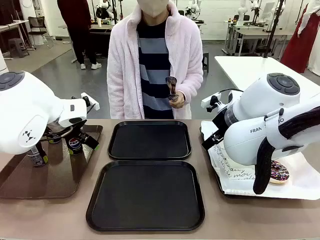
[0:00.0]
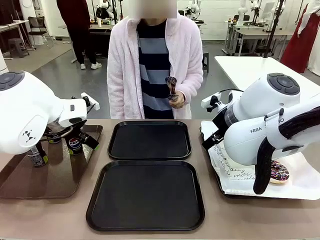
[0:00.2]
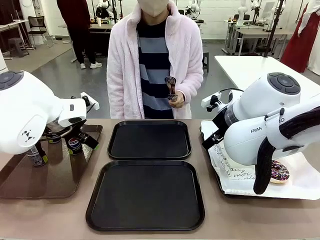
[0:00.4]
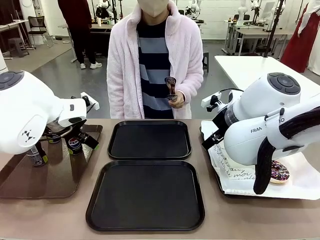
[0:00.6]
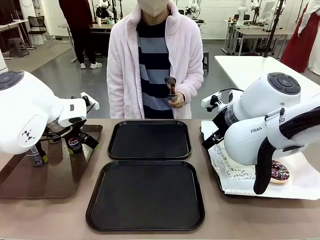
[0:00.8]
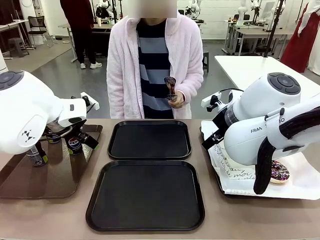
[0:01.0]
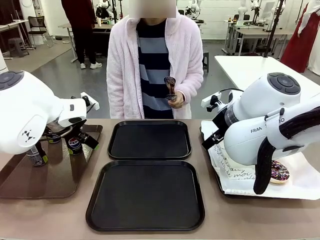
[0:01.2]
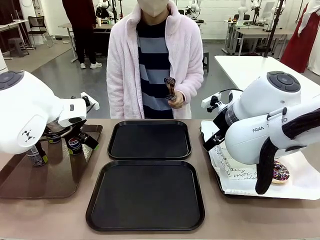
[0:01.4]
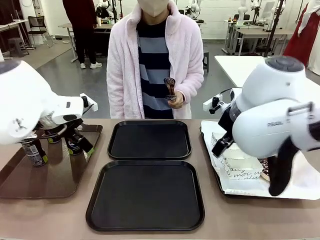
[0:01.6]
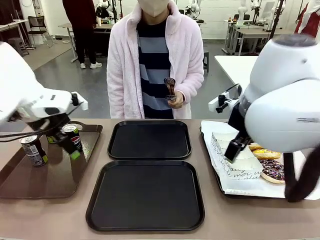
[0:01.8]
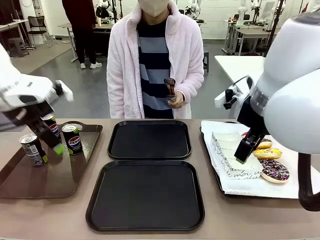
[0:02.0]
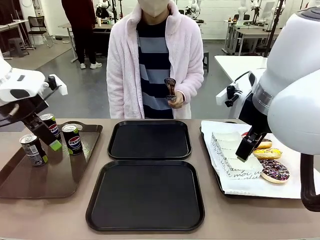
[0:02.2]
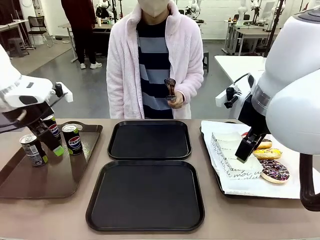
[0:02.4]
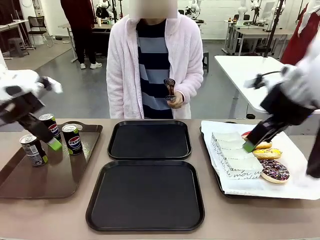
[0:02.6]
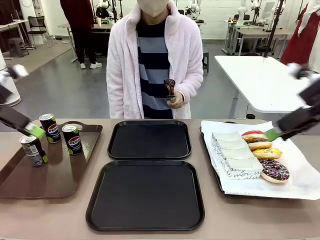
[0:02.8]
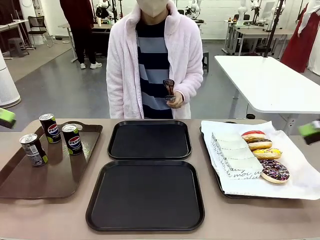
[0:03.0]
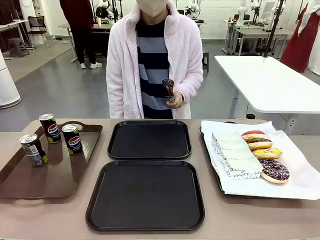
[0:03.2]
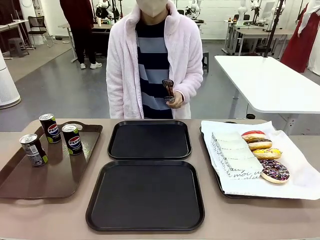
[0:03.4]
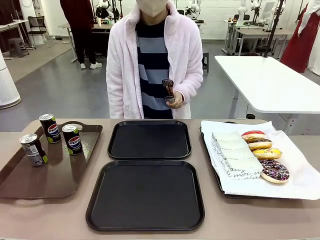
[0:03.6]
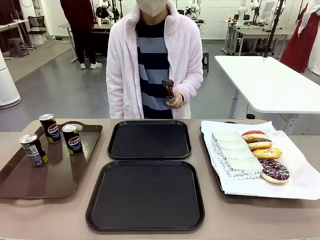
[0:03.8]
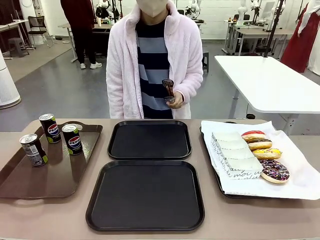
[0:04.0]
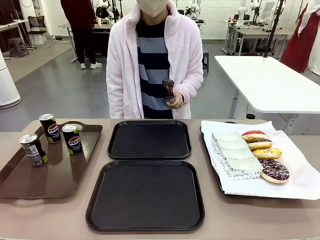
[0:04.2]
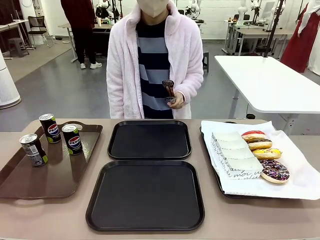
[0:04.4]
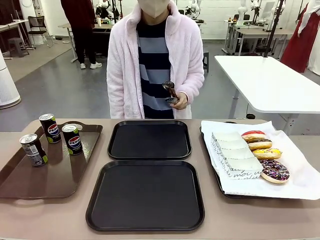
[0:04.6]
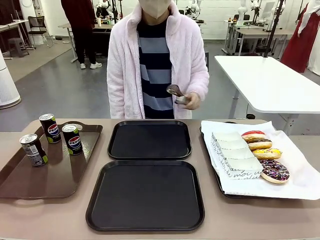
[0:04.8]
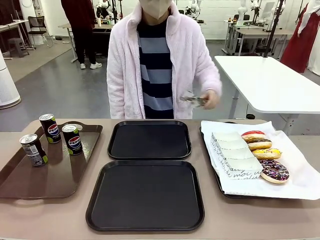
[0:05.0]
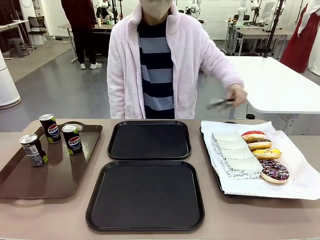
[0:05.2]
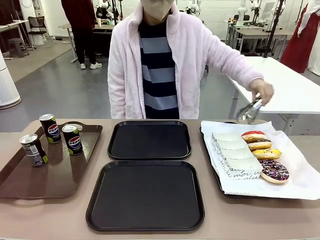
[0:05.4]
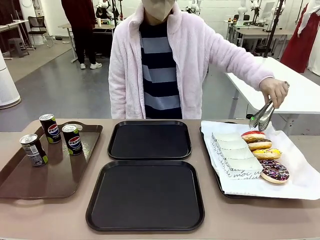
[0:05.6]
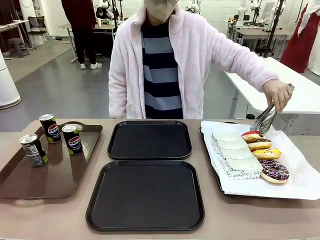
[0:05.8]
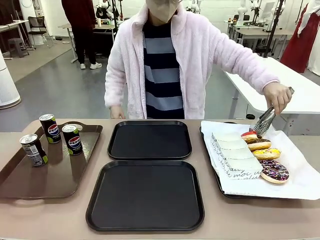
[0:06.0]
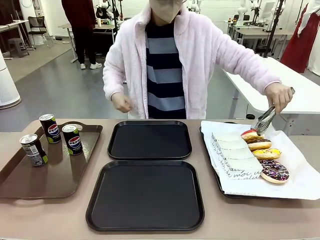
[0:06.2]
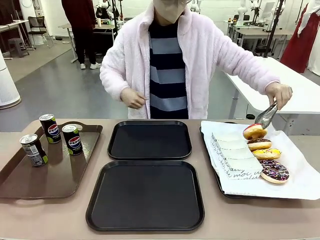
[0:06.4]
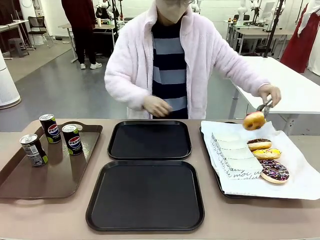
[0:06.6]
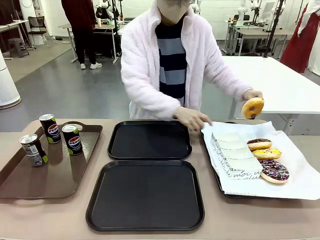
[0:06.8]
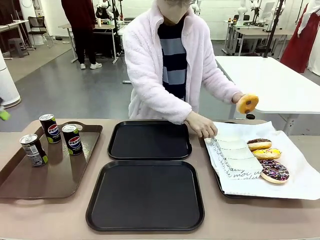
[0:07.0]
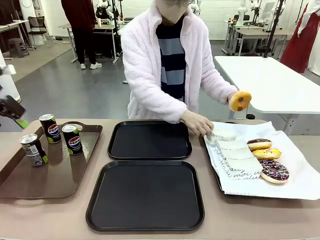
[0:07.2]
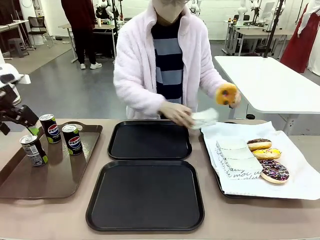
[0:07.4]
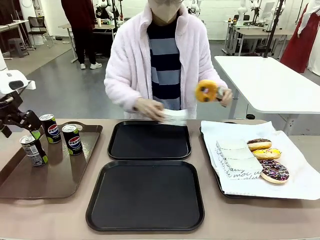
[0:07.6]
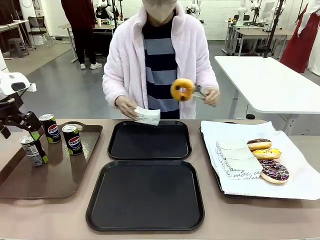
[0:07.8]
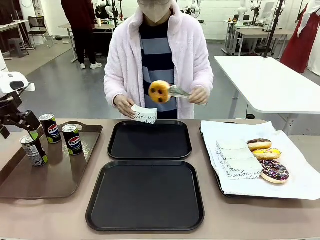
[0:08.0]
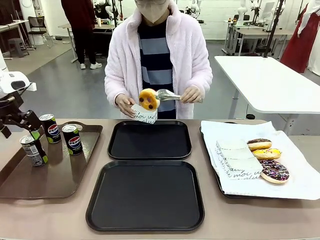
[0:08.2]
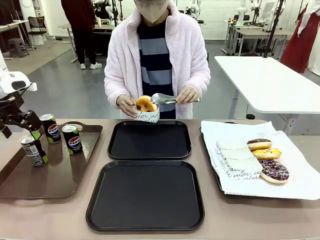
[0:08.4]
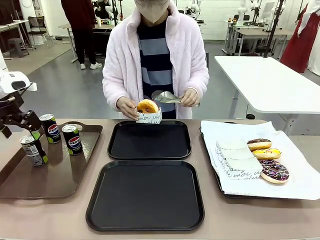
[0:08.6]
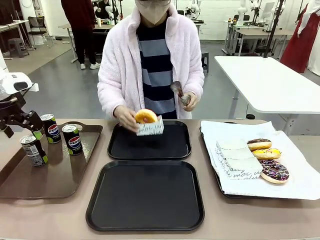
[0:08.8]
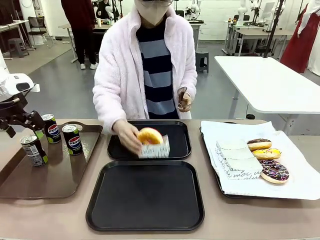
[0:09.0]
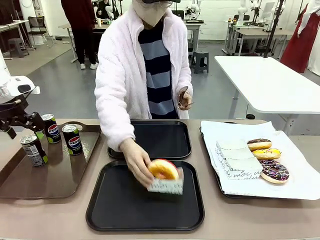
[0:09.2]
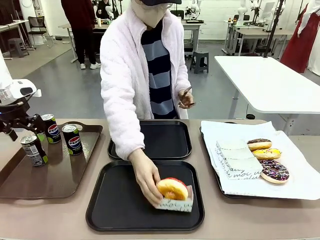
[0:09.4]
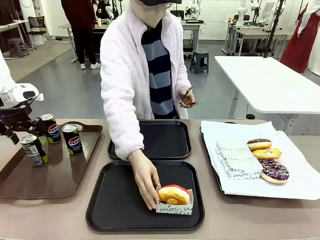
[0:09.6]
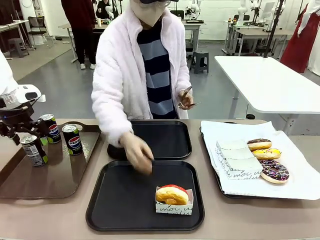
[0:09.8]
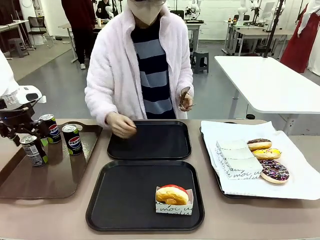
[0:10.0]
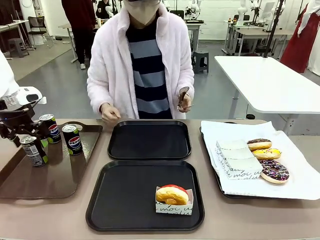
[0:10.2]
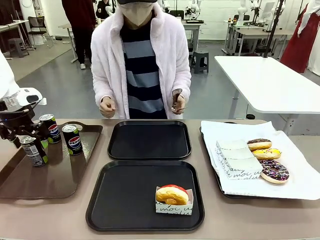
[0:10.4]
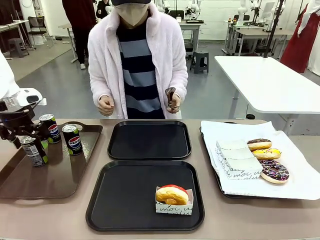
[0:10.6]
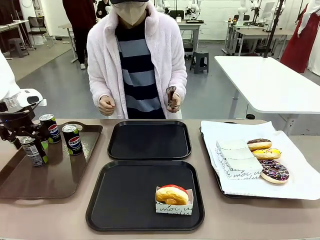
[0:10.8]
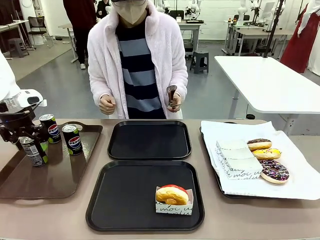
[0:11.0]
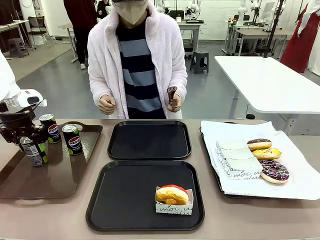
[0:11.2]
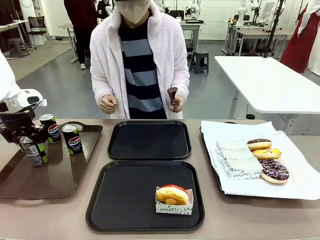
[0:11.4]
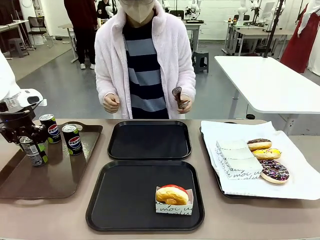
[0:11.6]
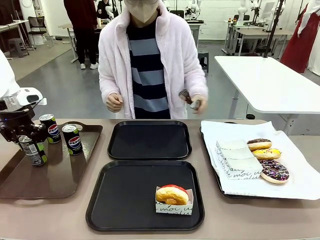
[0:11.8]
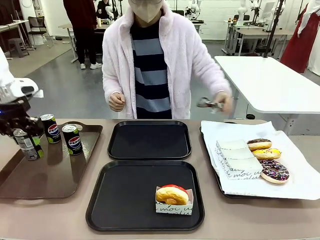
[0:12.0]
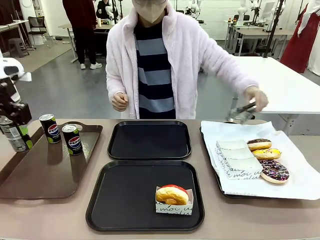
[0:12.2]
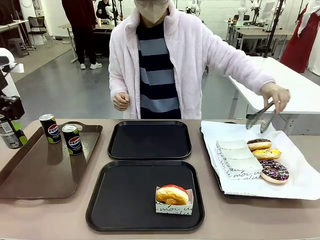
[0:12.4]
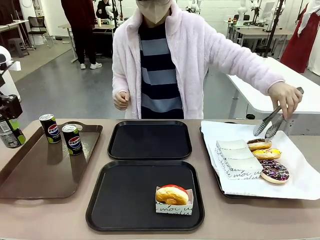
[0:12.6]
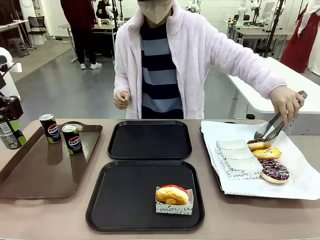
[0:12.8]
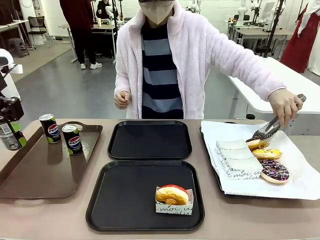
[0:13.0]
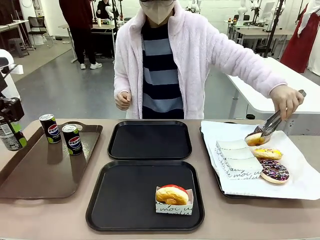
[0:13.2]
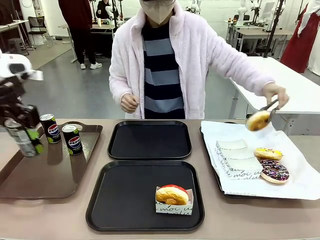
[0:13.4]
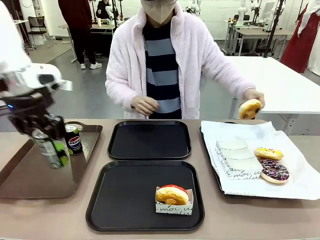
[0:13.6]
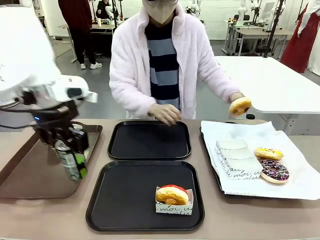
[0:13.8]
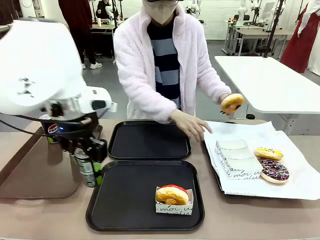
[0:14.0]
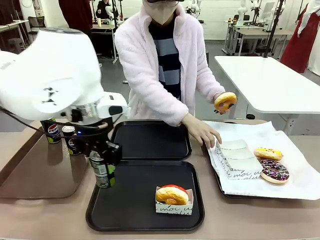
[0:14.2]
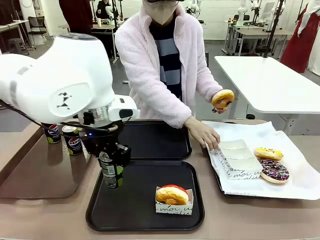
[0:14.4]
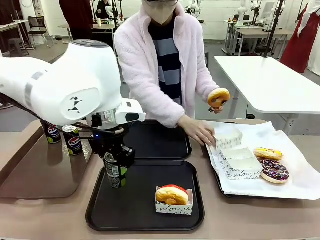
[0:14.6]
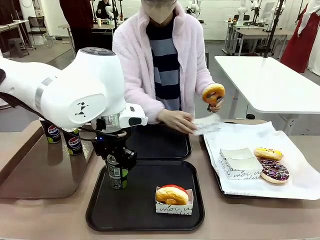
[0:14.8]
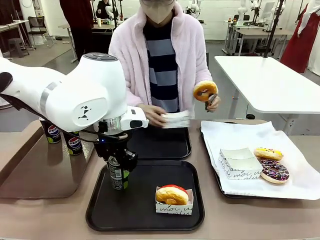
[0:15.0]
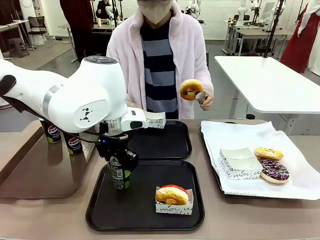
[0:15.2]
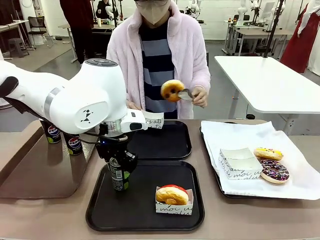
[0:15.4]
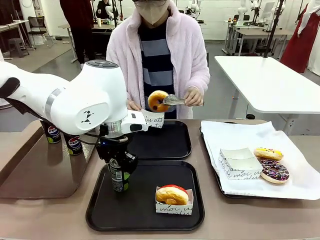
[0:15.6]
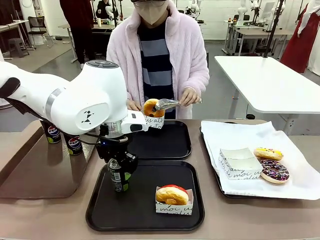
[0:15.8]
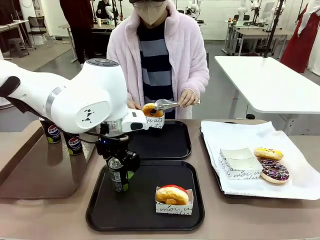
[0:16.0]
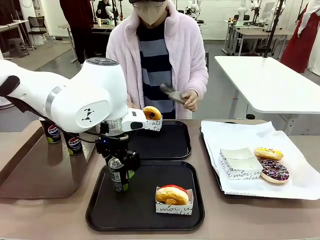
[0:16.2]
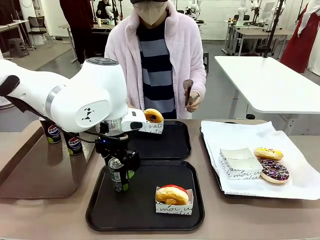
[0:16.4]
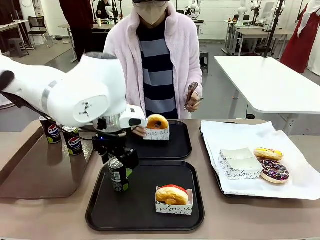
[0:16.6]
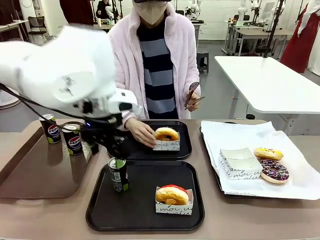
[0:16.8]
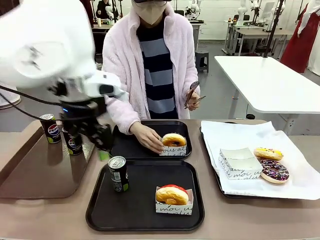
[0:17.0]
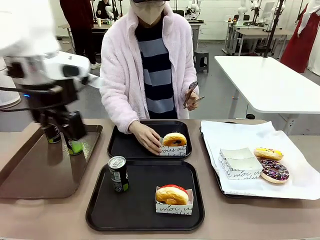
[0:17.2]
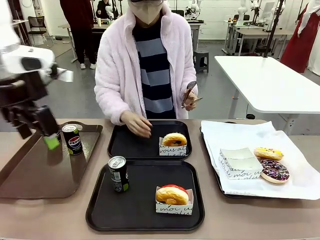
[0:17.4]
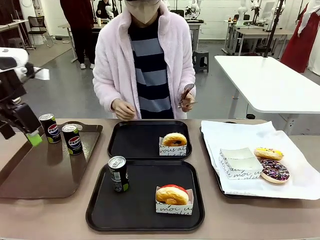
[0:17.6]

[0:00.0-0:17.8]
Task: Set up donuts and drinks on trays.
Robot: Pick up one Pepsi coke and place it on the Flat Tray.
